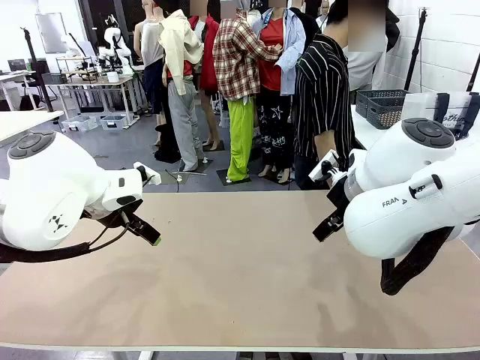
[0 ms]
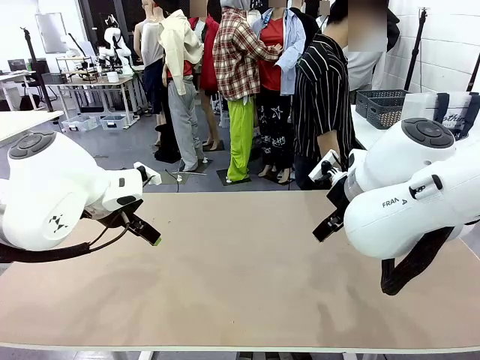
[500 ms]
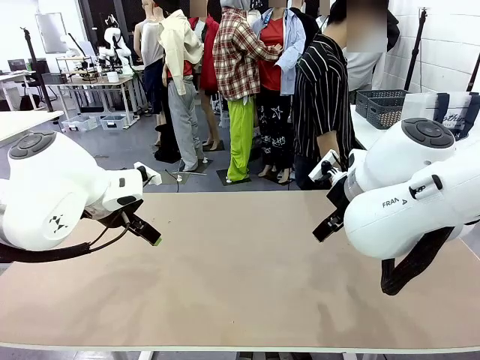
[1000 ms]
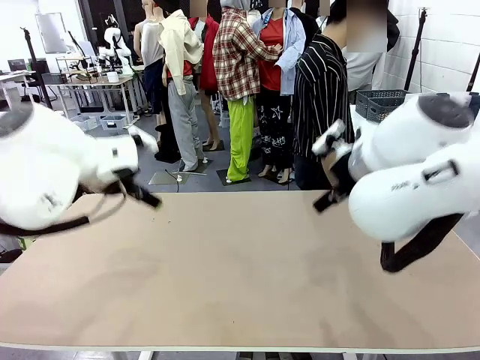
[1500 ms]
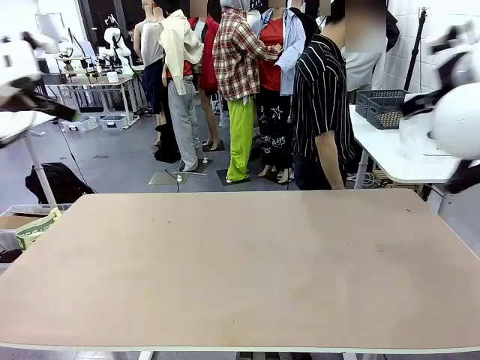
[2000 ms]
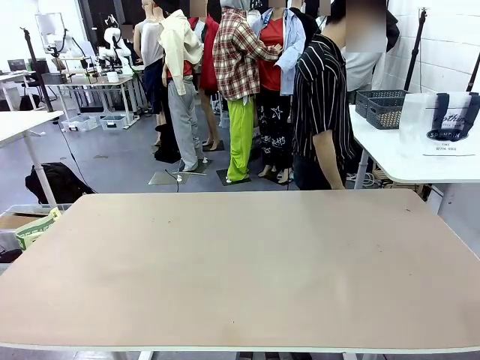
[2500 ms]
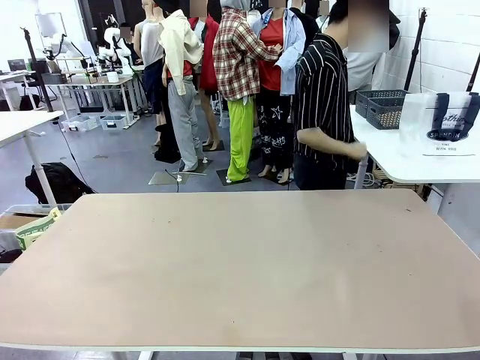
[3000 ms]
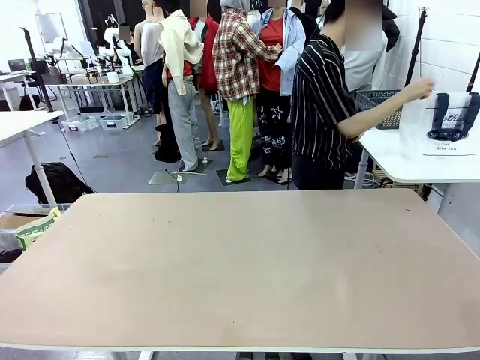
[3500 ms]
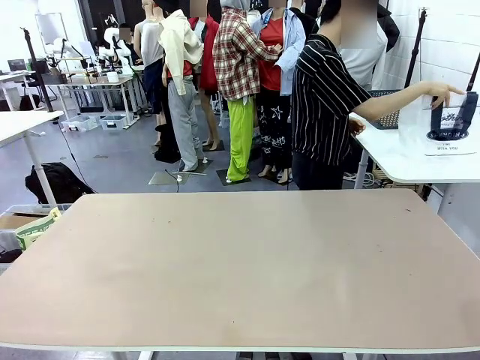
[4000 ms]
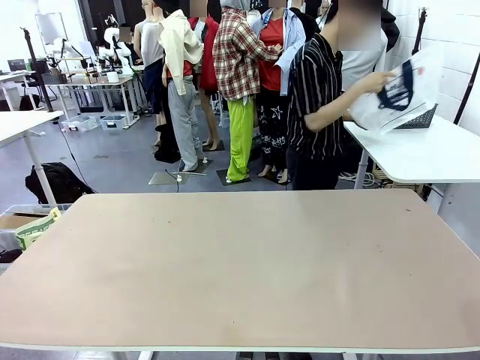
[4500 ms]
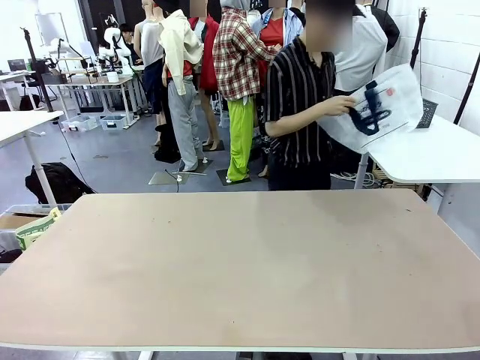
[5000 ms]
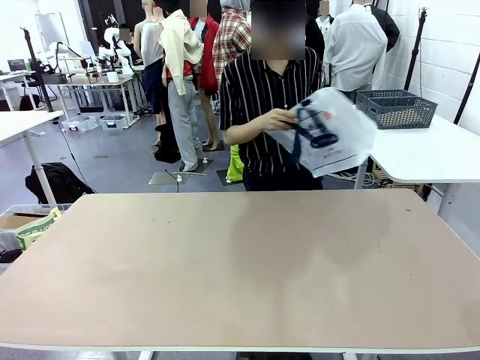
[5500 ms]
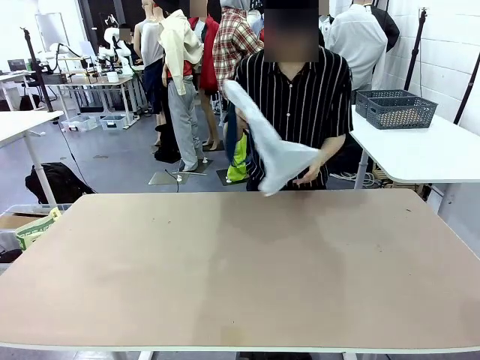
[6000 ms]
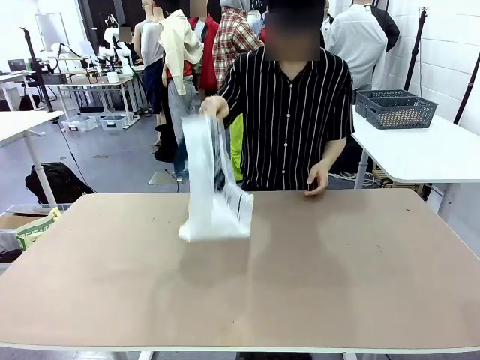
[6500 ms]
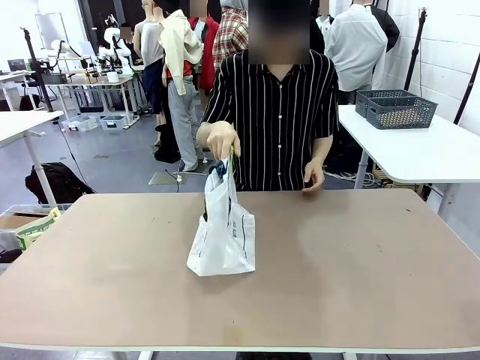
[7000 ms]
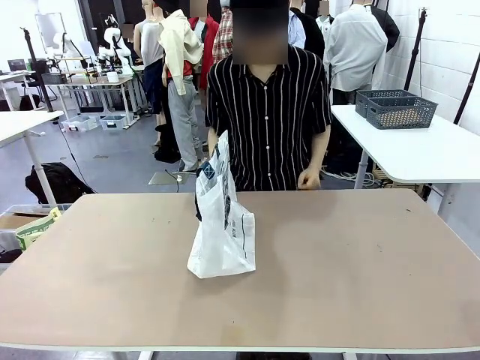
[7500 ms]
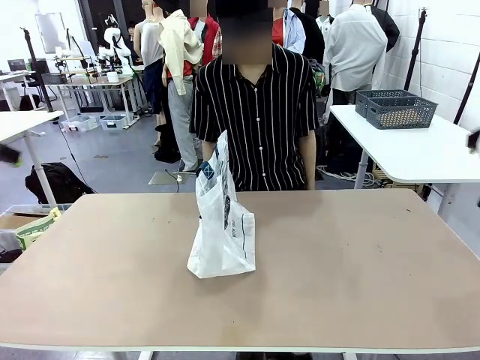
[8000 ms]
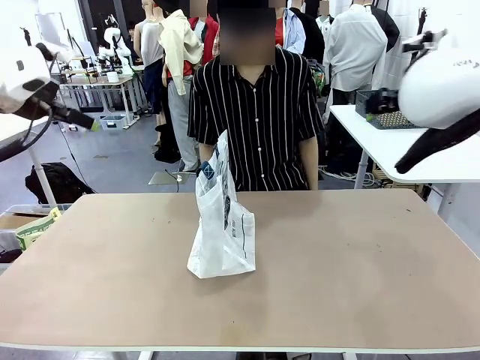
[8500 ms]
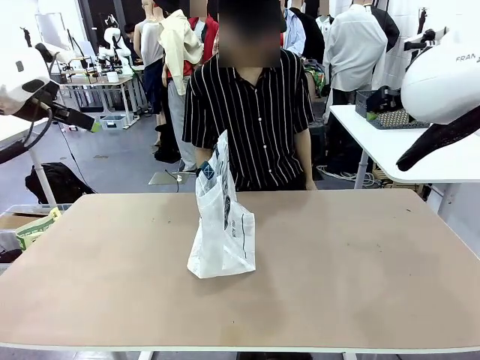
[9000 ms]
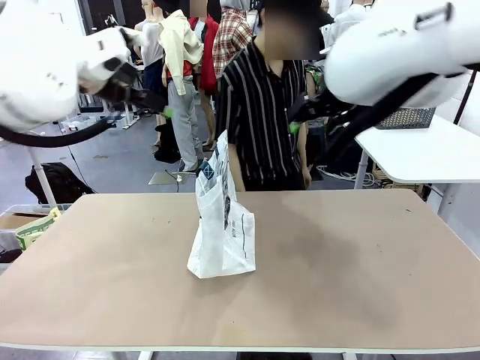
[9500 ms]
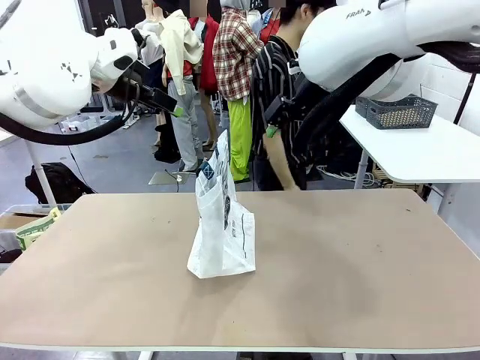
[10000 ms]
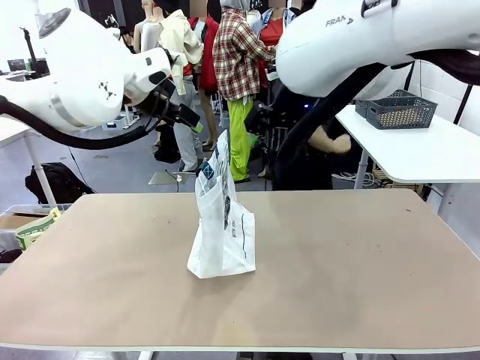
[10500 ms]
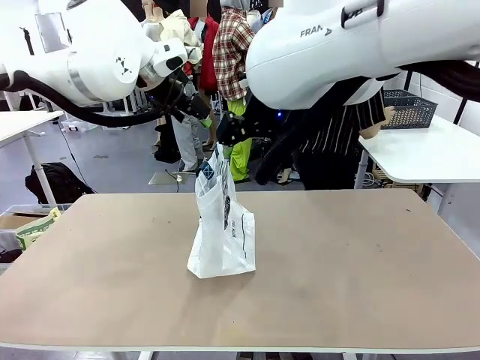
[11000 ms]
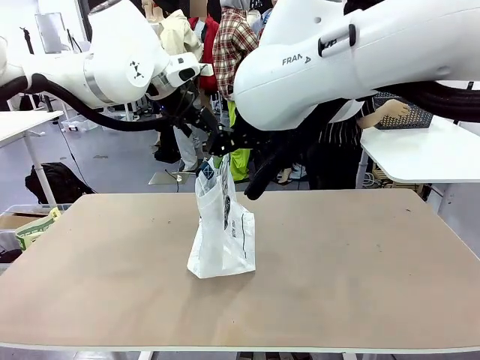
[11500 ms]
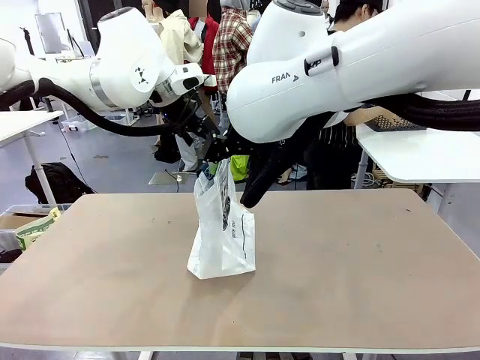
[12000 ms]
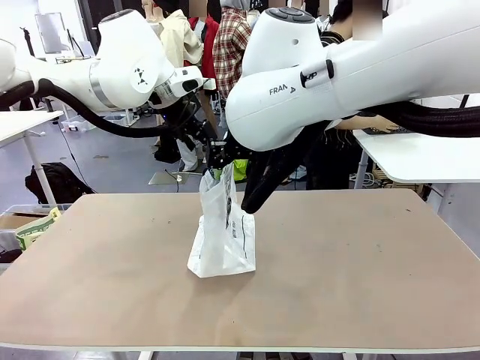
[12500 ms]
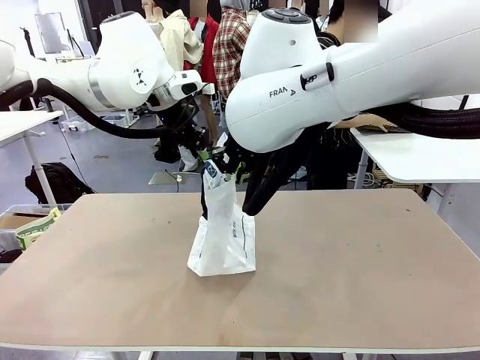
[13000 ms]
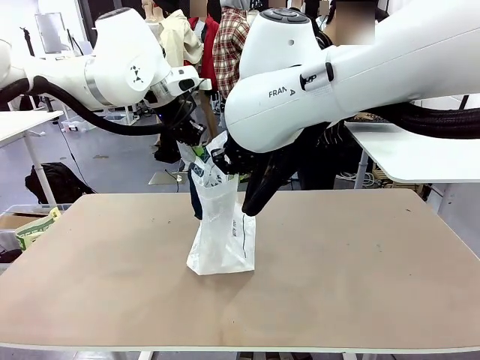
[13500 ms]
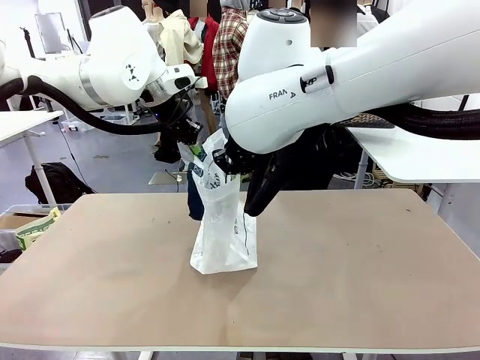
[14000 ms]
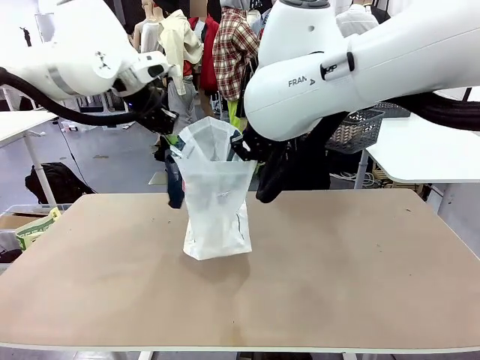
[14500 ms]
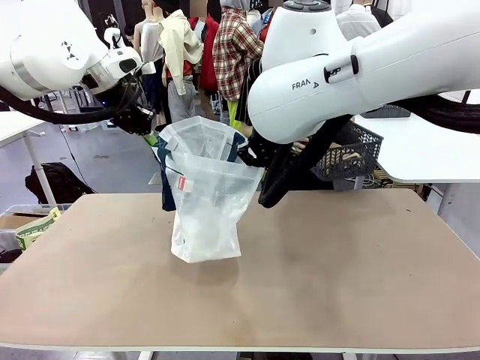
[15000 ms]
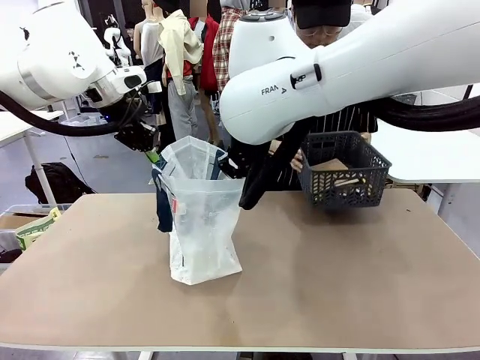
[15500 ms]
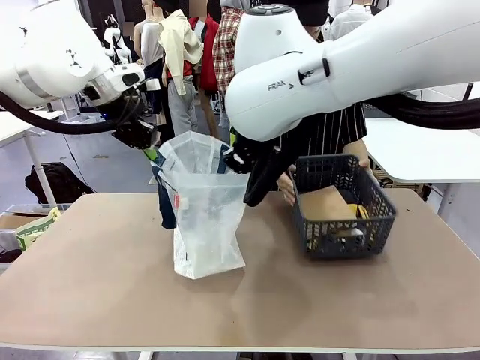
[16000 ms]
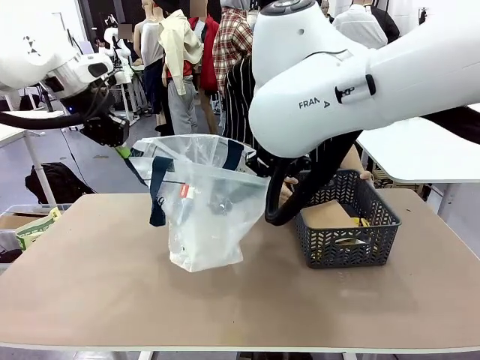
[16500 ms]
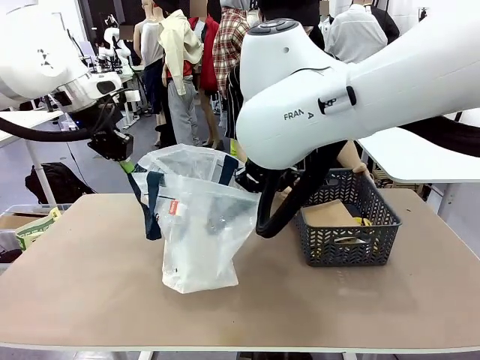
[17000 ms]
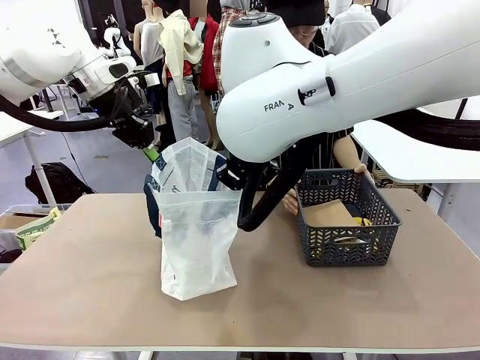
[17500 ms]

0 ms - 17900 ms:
Task: Transfer purchased items from the store into the shopping bag.
Robot: Open the Reusable shopping bag in the center of the table.
Person: Pick up the shopping bag and place it in the middle of the robot table. Pick up the basket on the right, place it on the left side of the robot table, and move the items in the basket to the shopping bag.

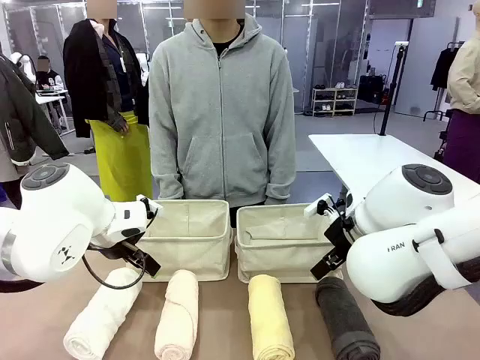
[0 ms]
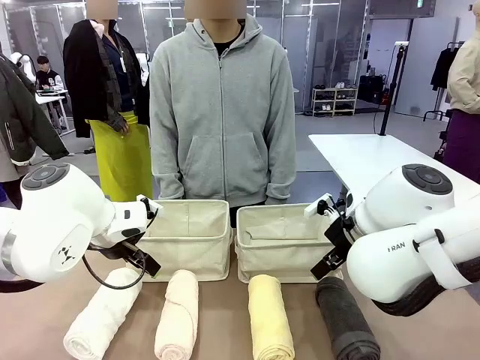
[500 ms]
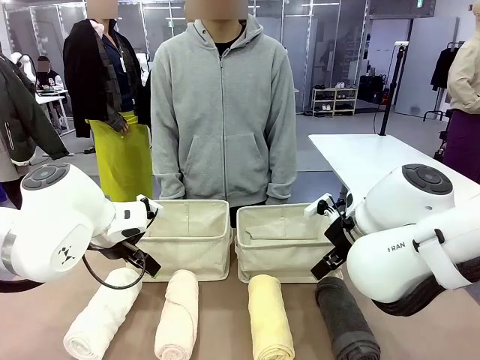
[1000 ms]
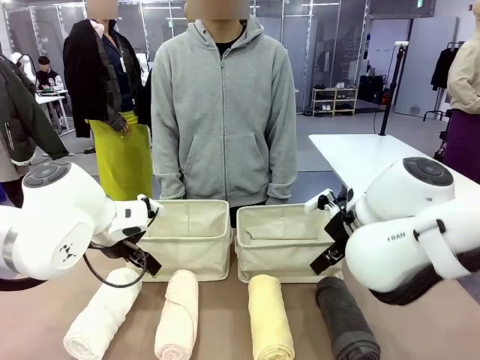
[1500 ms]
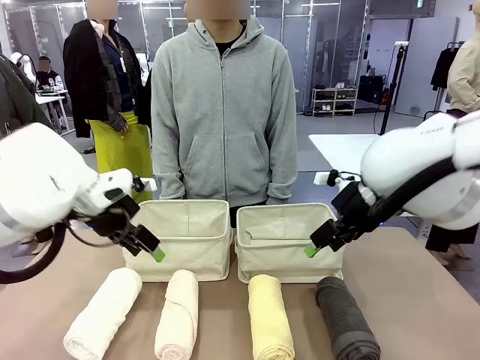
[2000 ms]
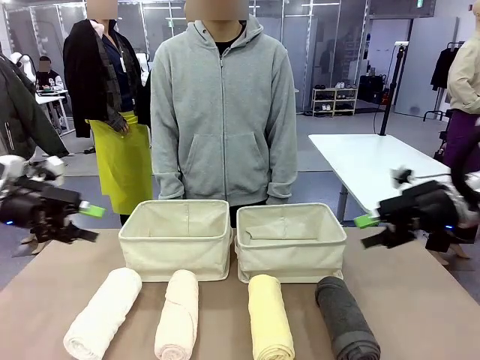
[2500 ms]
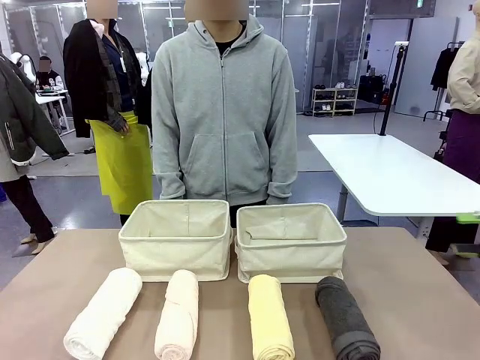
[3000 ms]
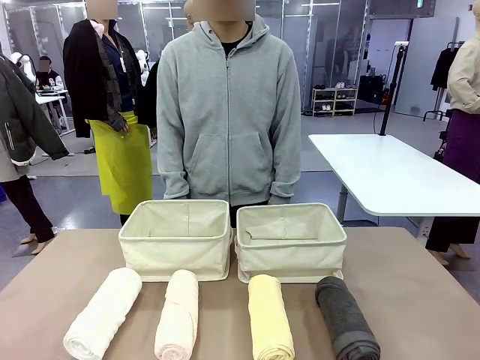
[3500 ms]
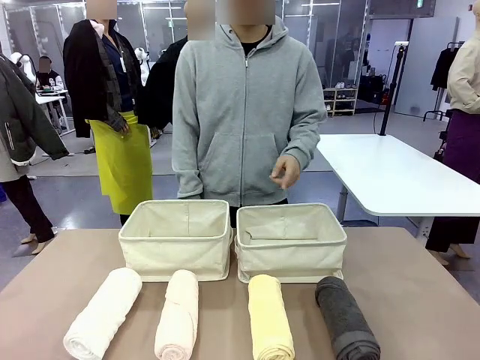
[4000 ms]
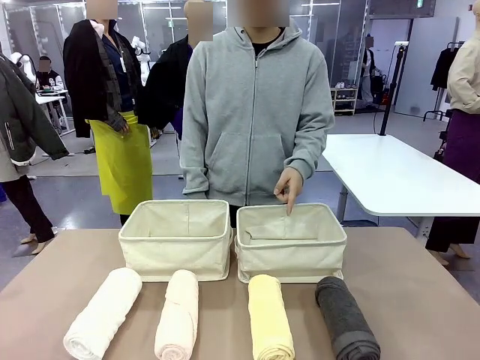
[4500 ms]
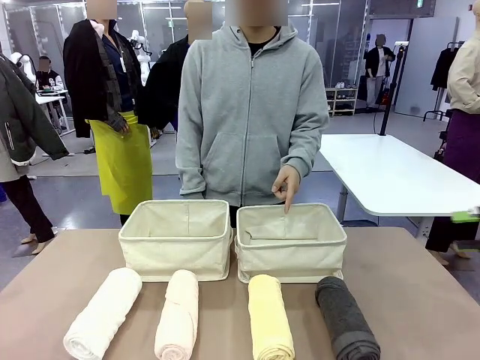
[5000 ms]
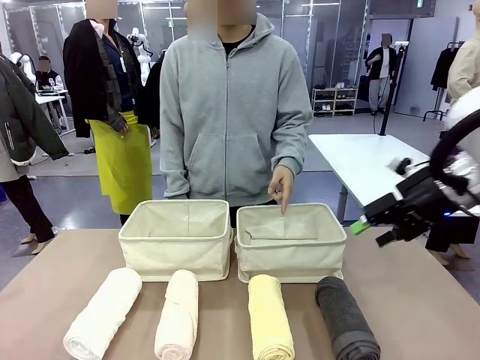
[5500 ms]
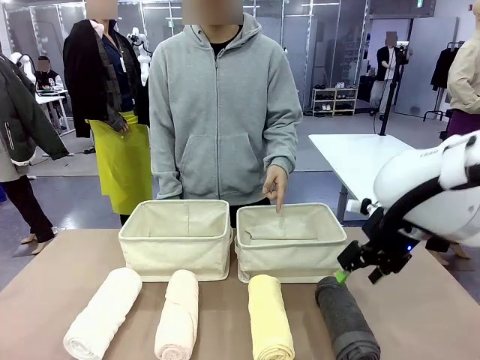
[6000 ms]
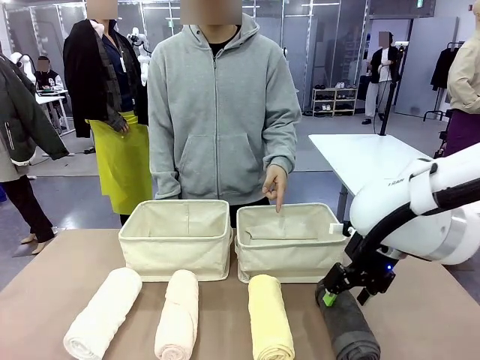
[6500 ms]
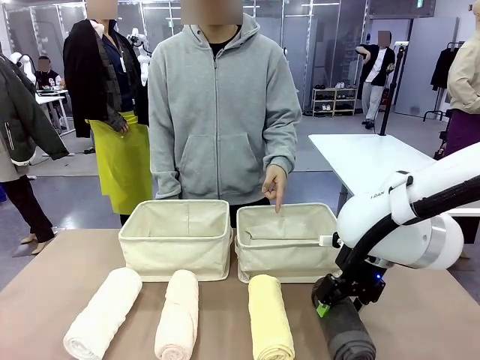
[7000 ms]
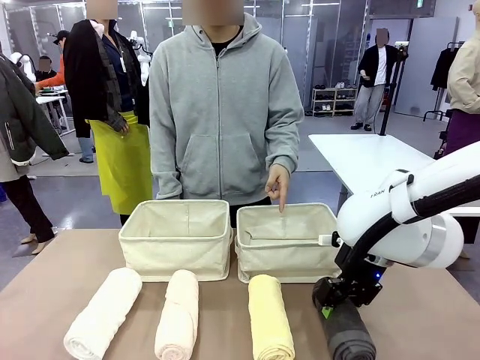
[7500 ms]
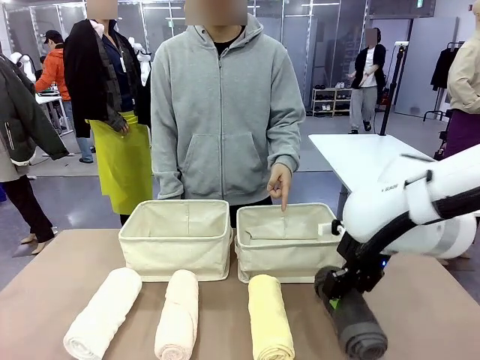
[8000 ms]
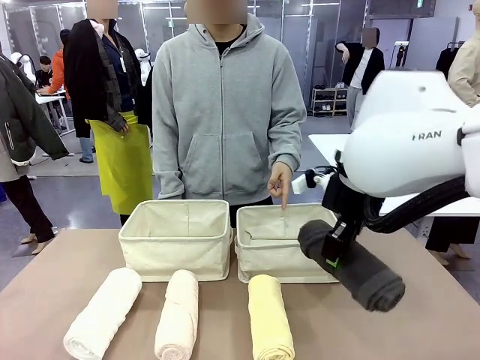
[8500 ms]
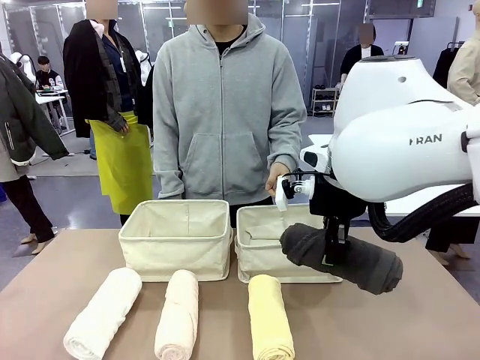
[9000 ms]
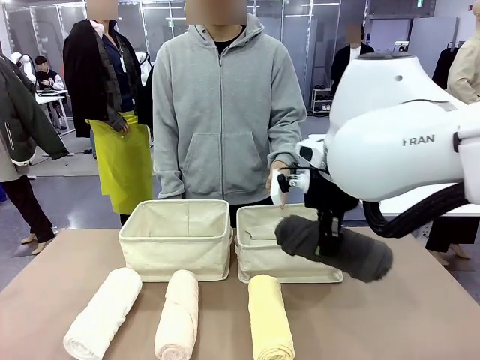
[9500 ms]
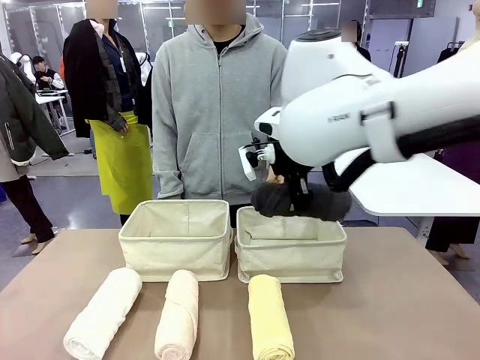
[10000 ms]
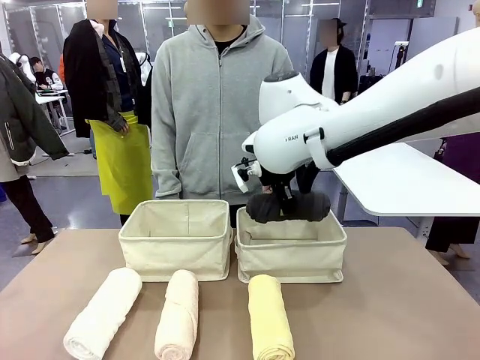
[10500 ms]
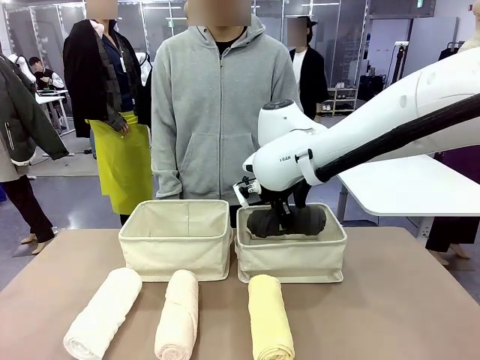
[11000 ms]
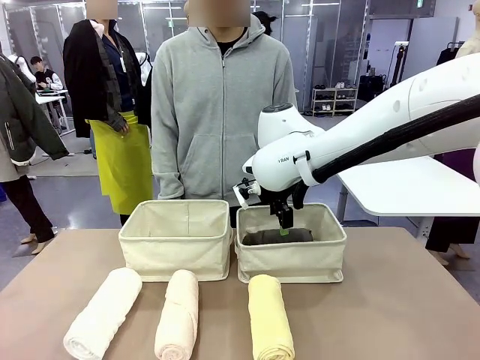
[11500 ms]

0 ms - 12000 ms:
Task: Divide the towels into two baskets.
Robot: Pick up one hotel-folded towel and place it in the Fabric basket indicated by the person.
